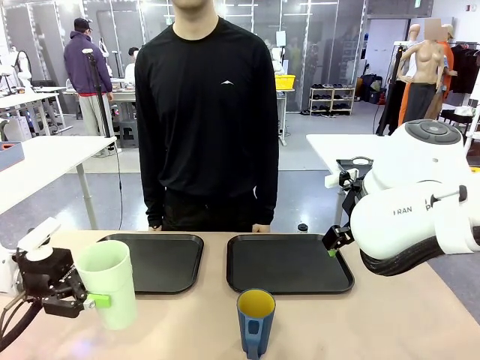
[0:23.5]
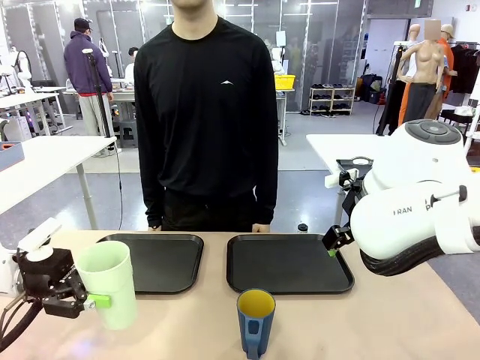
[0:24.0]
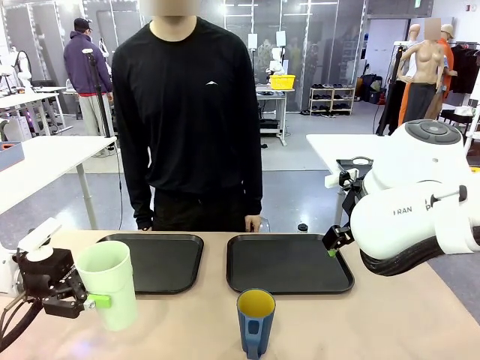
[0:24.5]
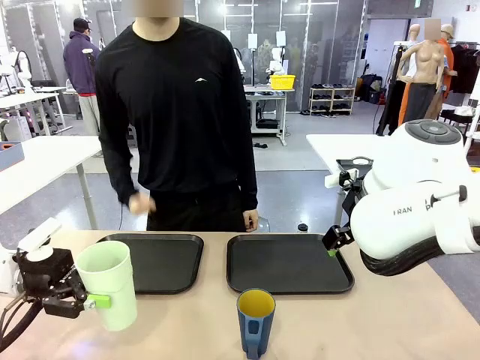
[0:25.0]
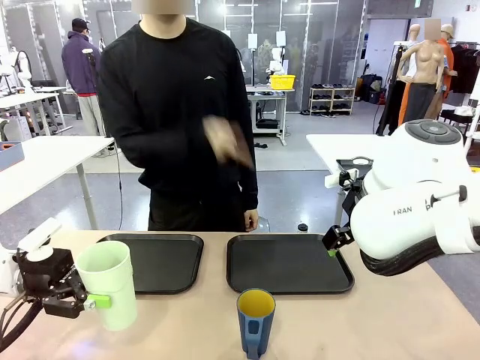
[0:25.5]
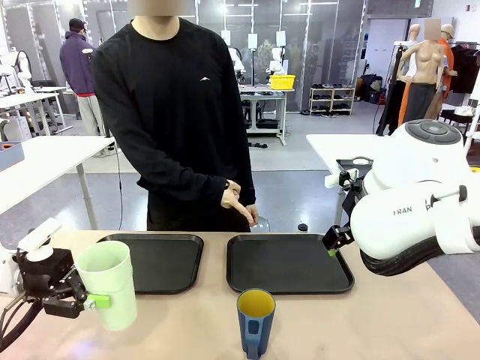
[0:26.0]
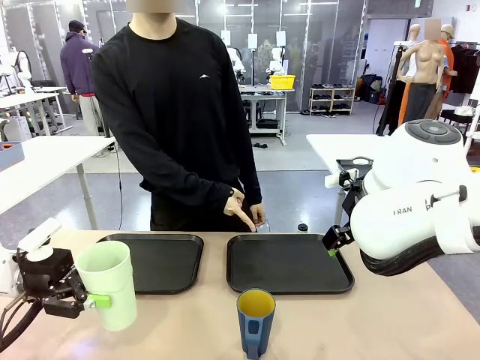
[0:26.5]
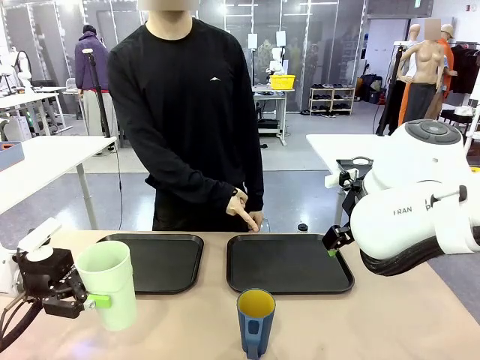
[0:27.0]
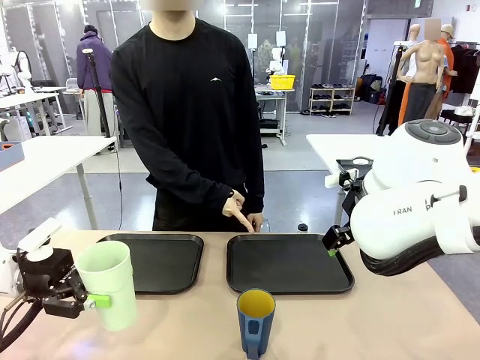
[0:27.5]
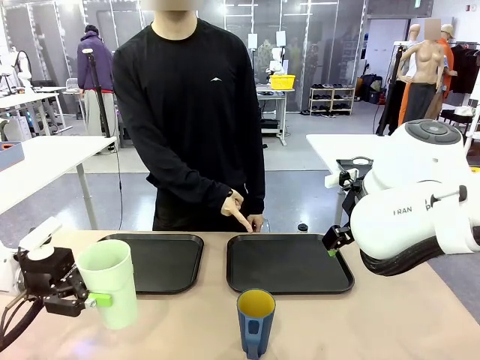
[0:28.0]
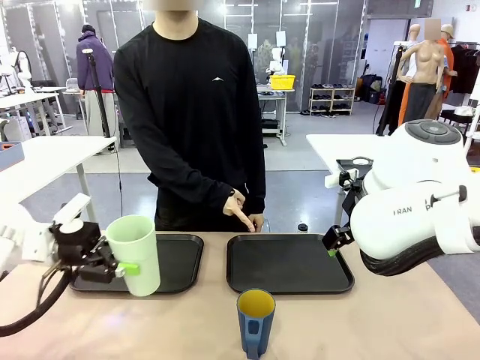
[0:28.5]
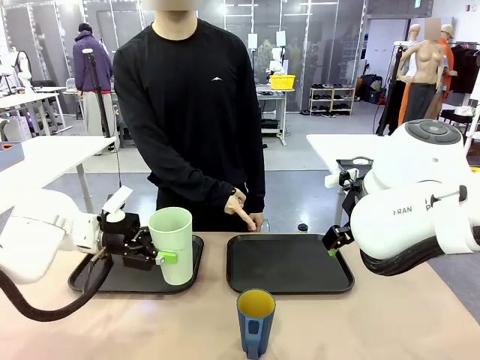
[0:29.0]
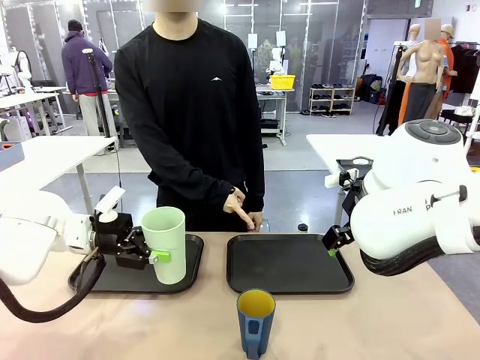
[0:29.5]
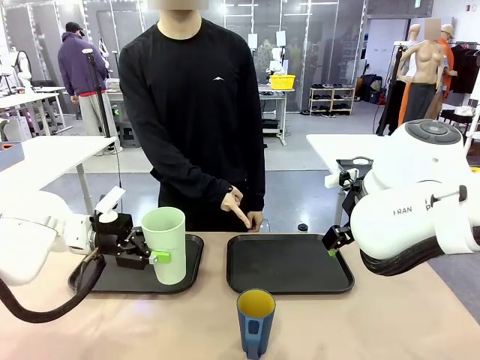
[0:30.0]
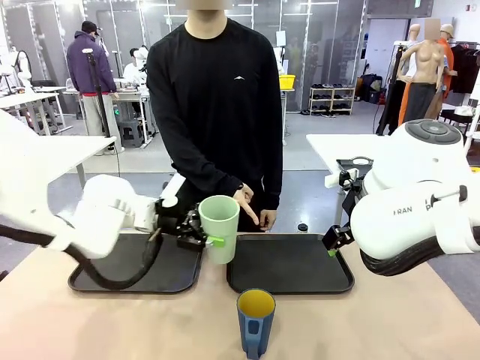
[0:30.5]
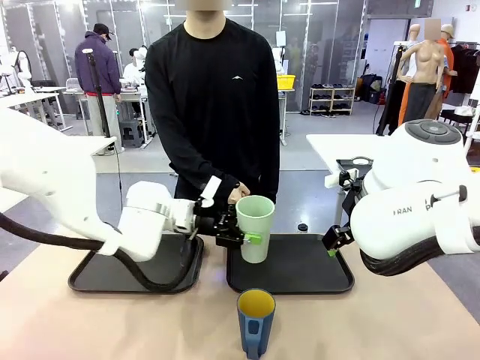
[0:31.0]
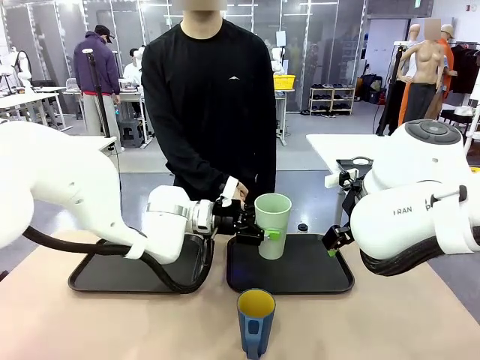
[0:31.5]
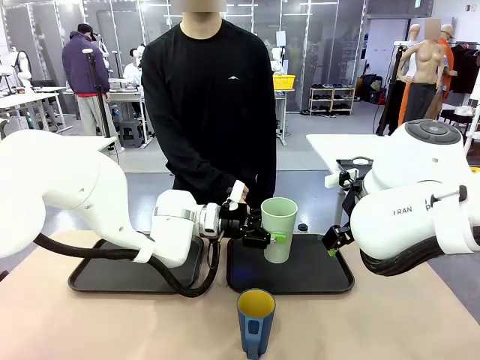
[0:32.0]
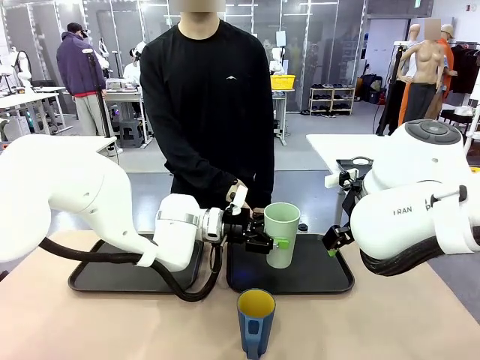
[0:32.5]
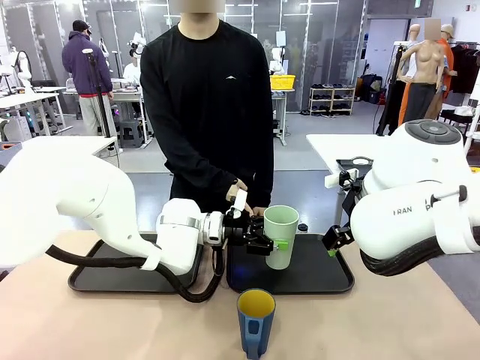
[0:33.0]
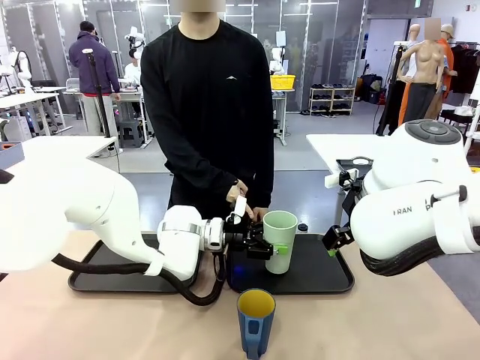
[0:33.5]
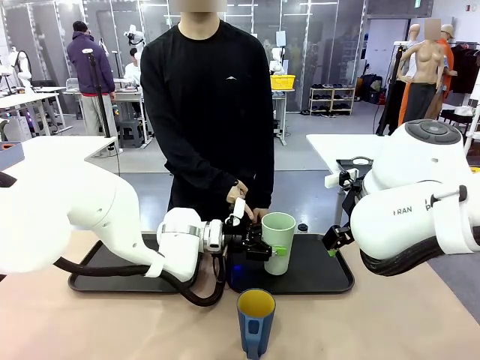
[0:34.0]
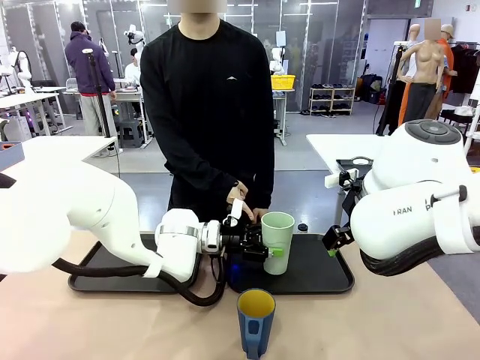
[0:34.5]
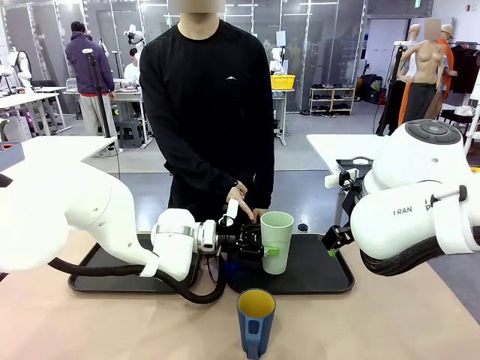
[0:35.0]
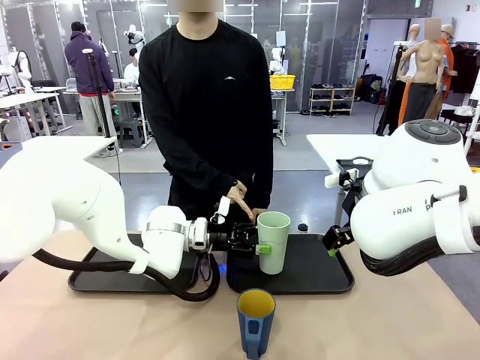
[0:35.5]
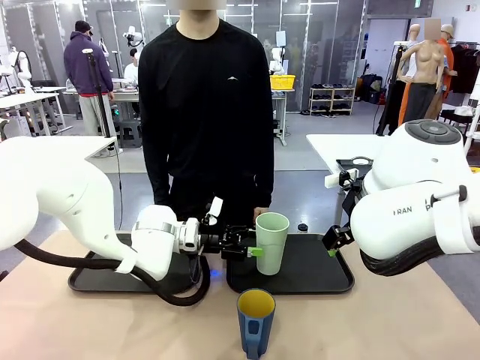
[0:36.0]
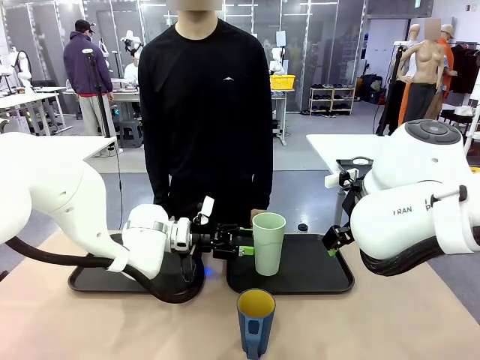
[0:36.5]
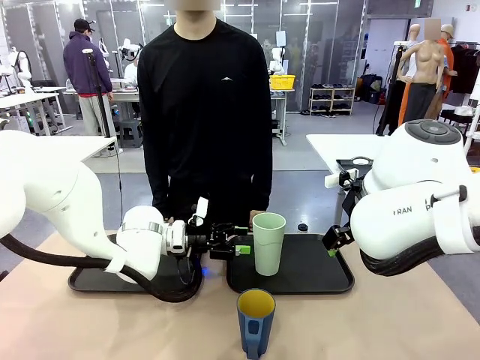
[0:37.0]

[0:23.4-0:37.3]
Task: Sort and store the cups by type.
Robot: Place the picked Reusable plastic cup into the Flat Tray indicated by the person.

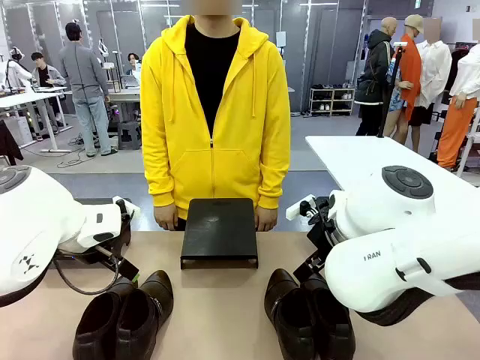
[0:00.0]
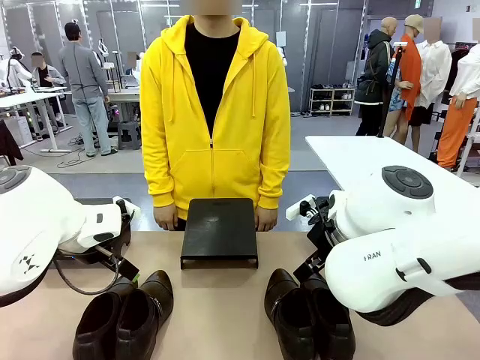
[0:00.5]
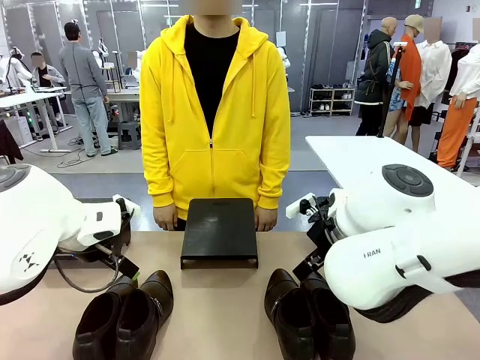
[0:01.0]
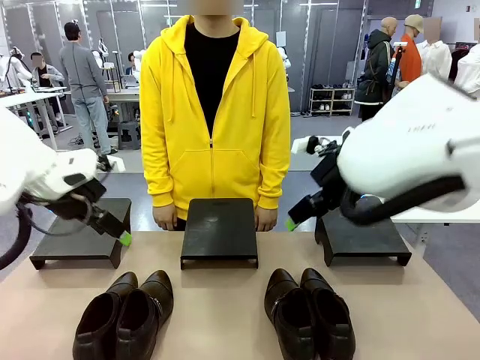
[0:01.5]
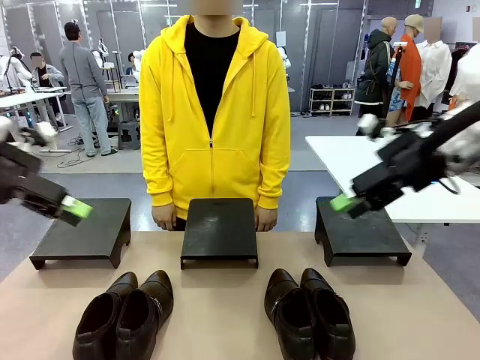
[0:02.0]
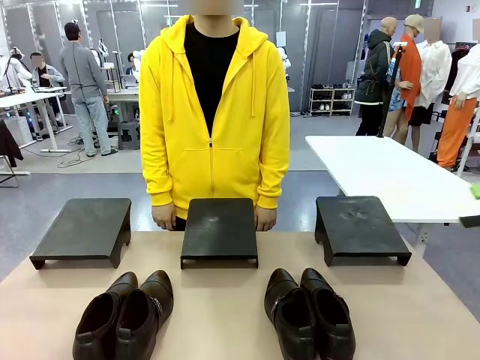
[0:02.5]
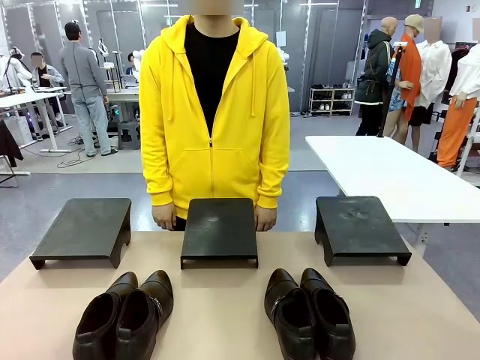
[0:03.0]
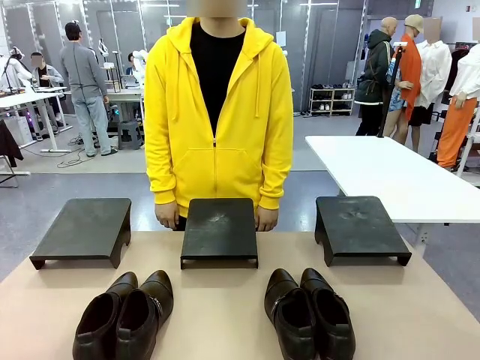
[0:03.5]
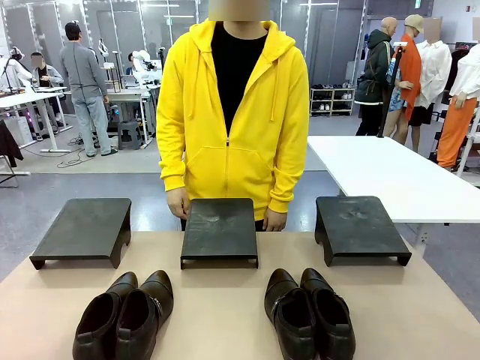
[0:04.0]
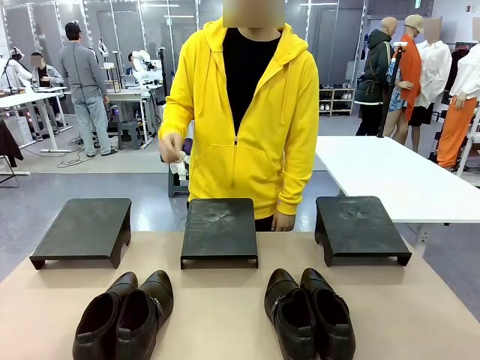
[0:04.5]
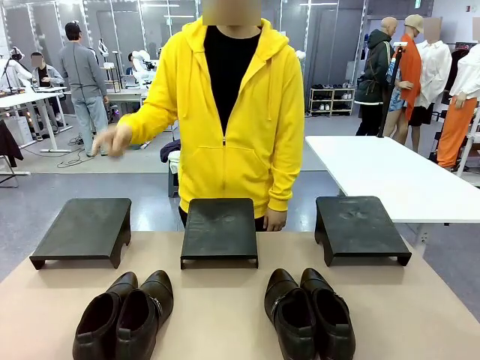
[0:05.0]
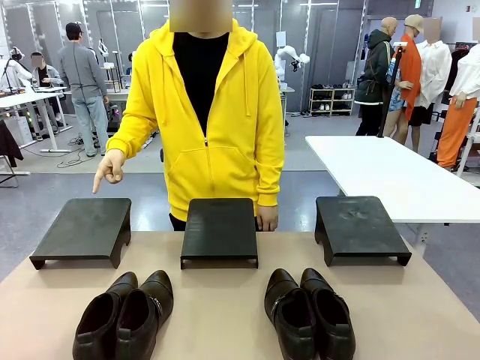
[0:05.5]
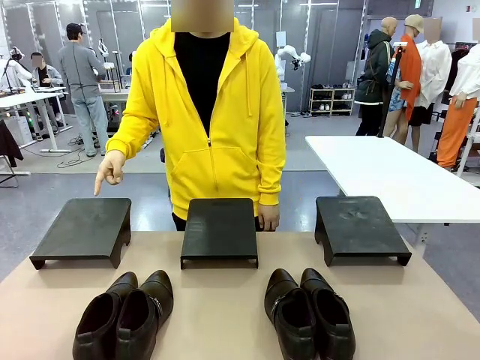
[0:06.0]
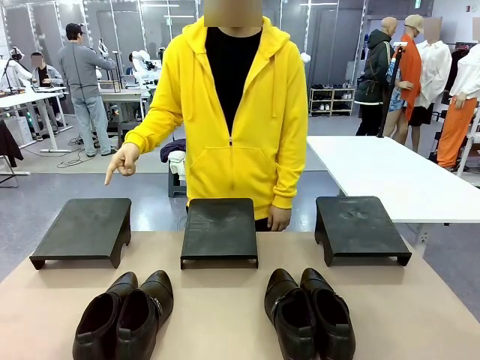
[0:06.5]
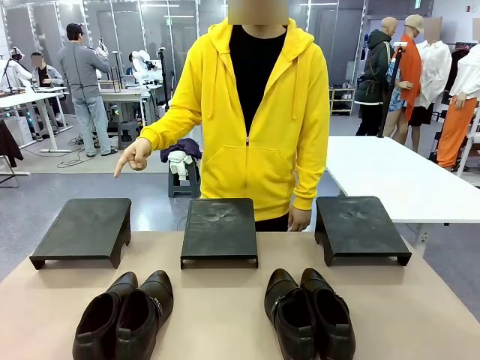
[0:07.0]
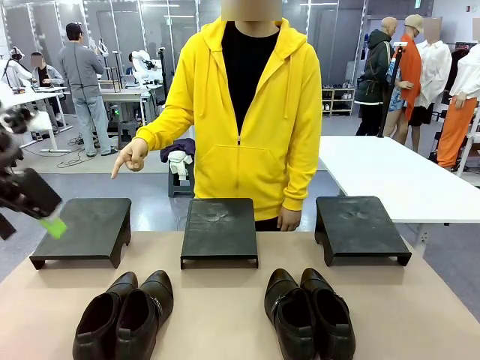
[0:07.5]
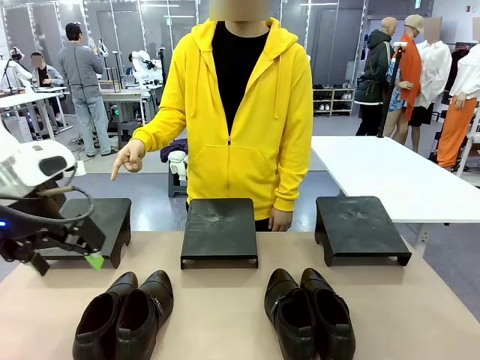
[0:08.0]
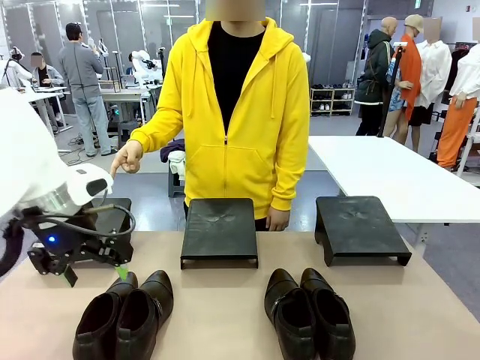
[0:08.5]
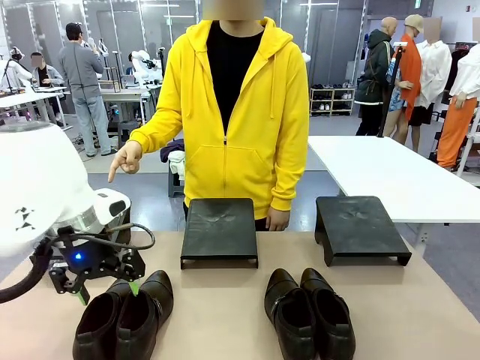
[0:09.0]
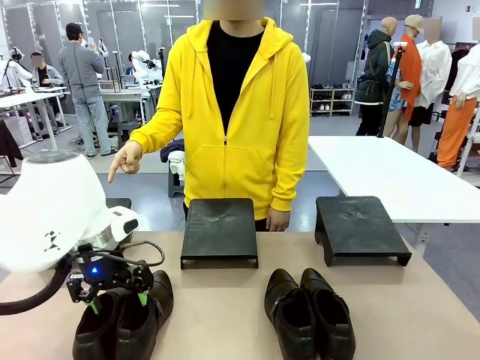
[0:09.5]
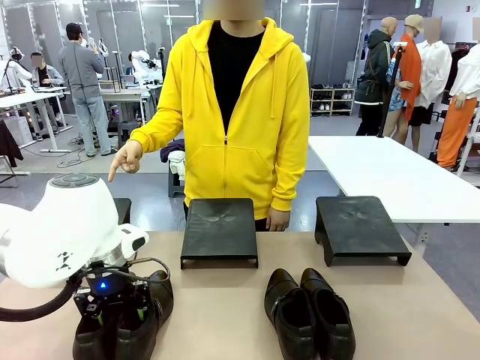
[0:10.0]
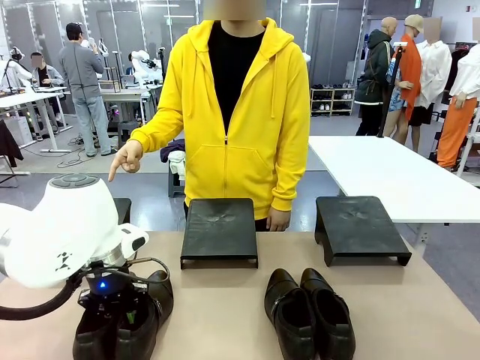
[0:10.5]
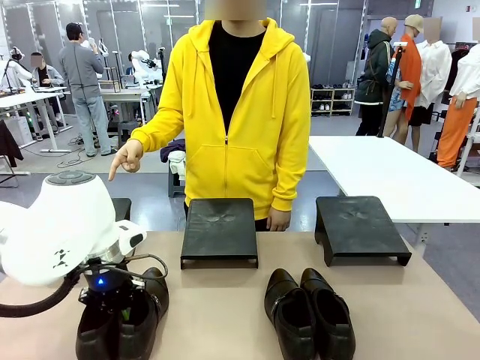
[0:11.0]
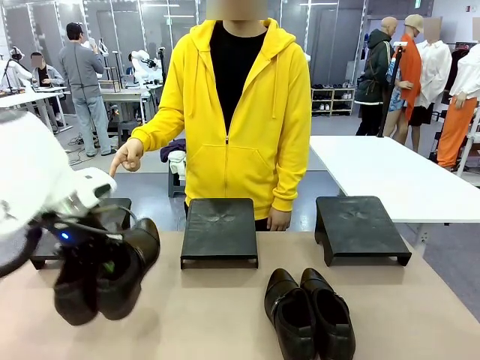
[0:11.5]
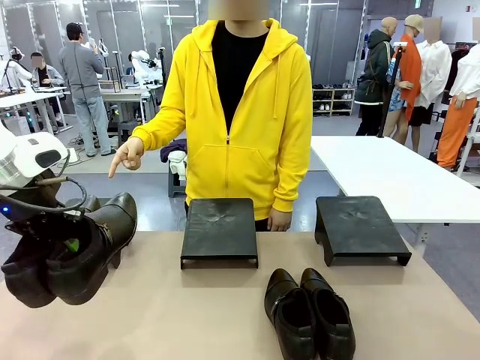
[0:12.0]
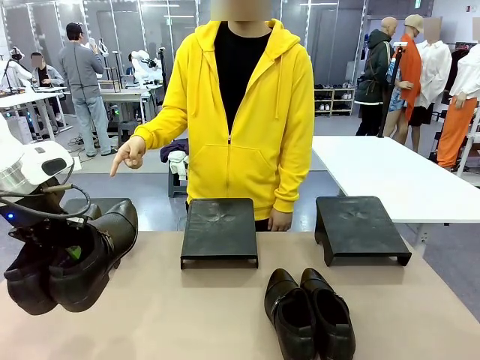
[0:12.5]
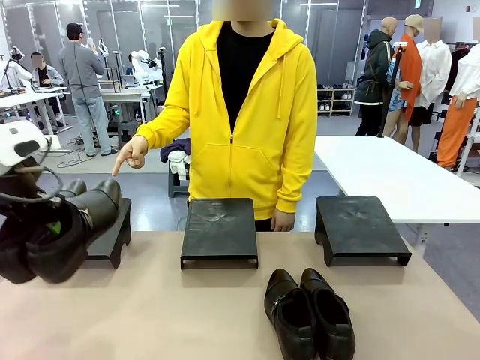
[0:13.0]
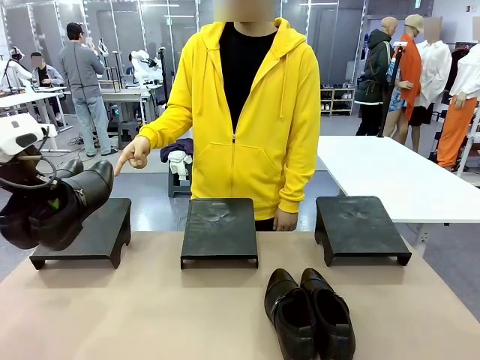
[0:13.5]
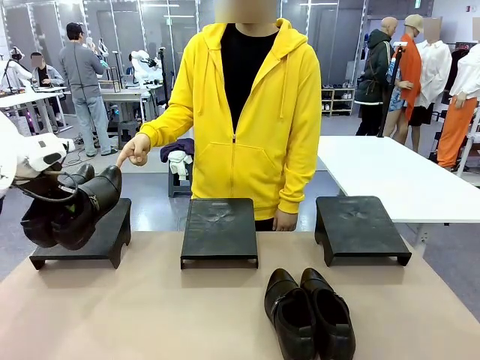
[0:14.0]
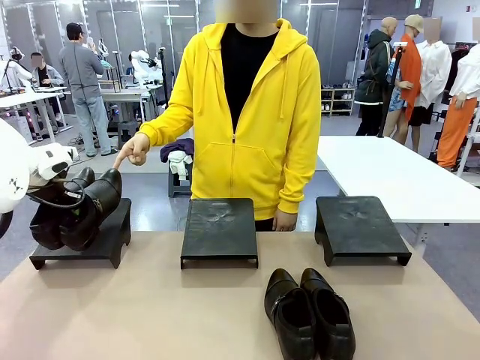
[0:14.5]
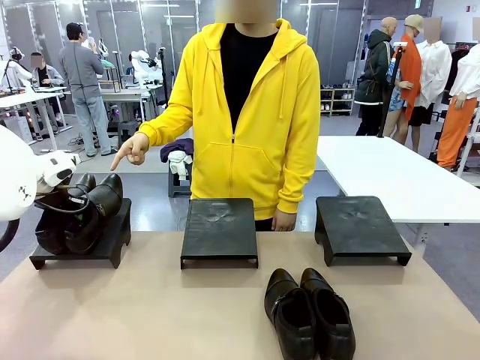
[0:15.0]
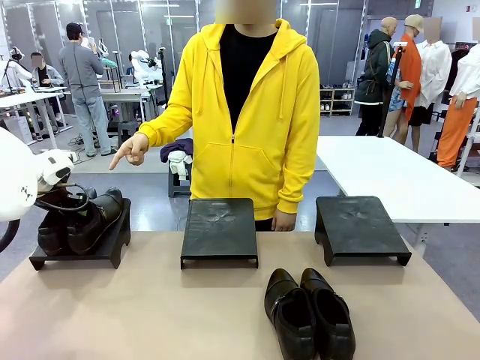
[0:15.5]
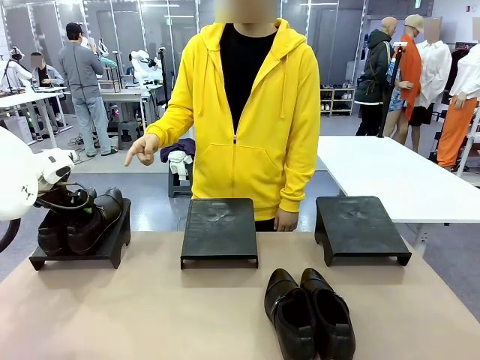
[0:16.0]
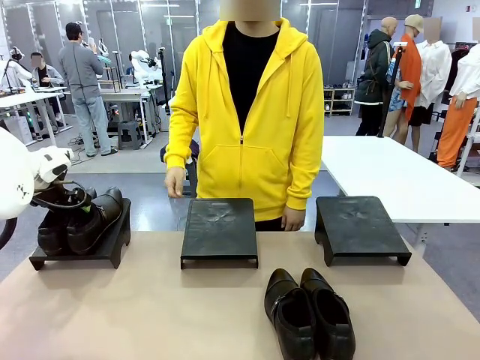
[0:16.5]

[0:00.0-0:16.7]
Task: Place the shoes on the stand as instructed by the person.
Robot: Pick up one pair of Shoes and place it on the Shoes Stand indicated by the person.
